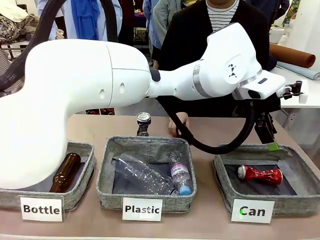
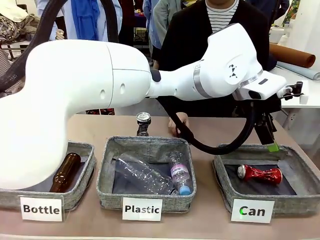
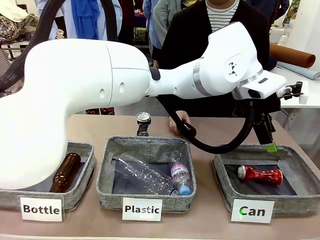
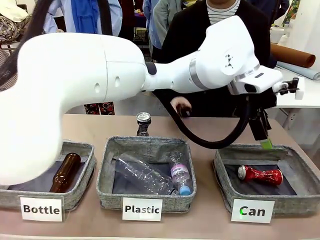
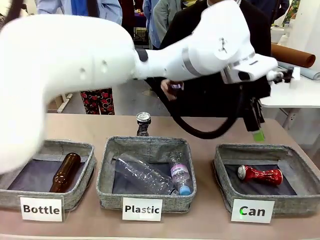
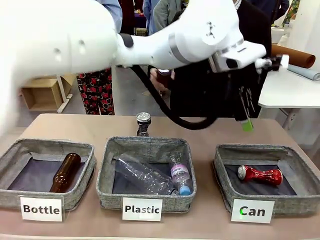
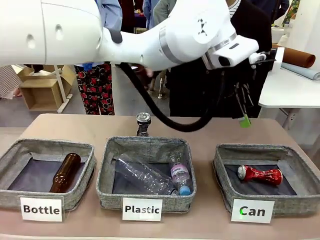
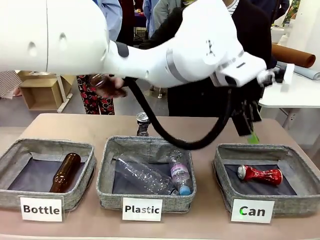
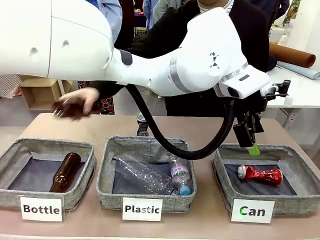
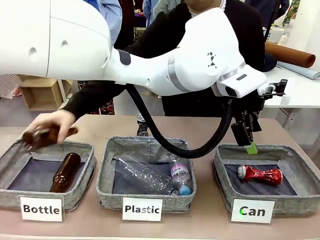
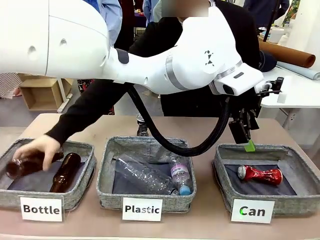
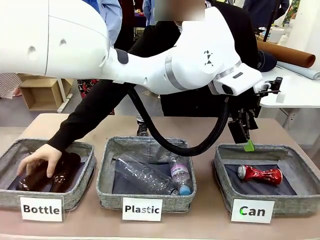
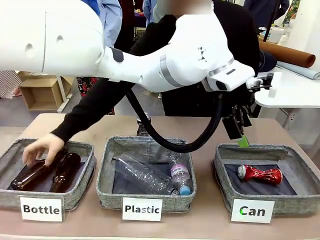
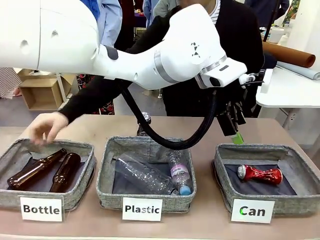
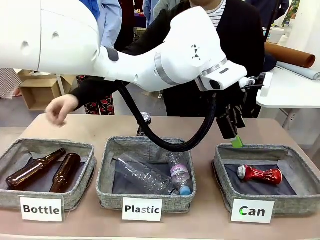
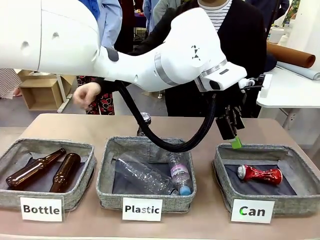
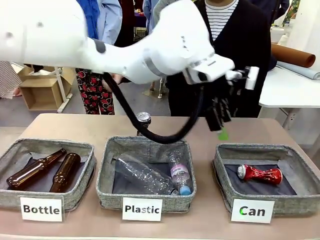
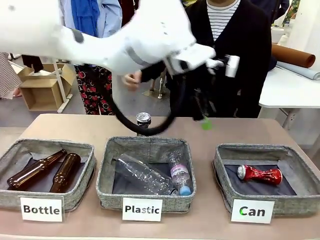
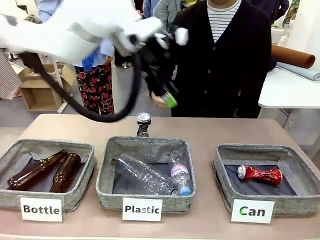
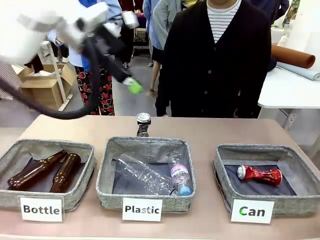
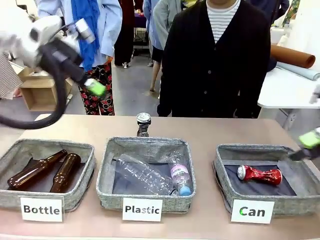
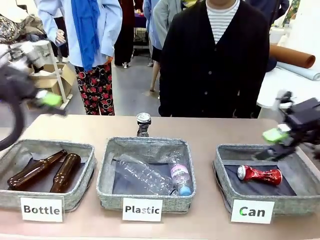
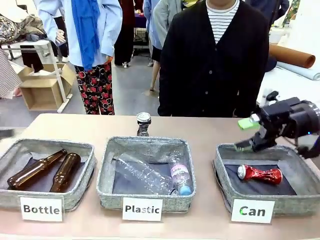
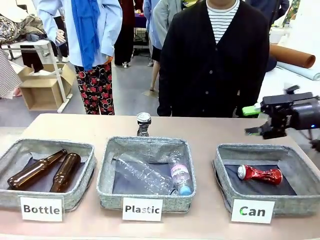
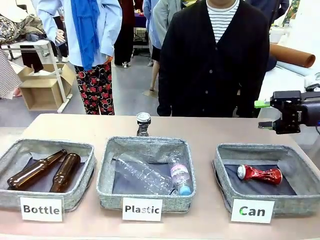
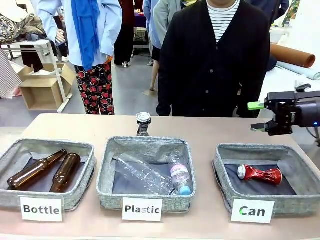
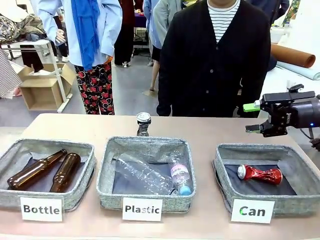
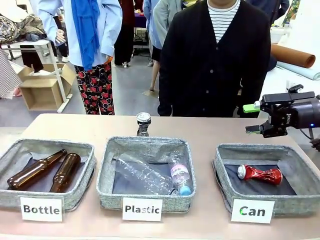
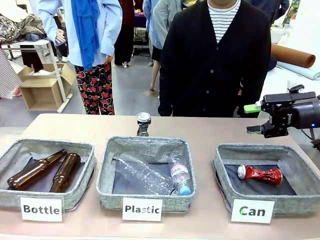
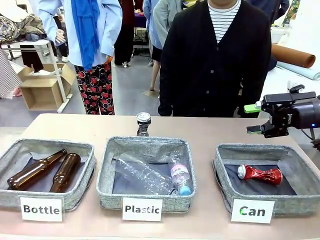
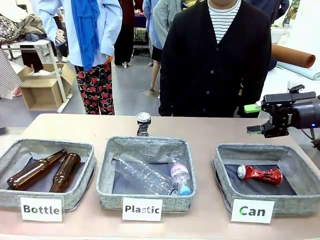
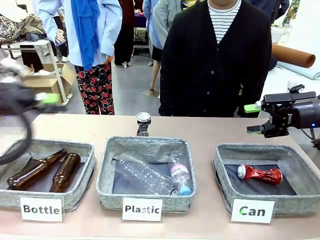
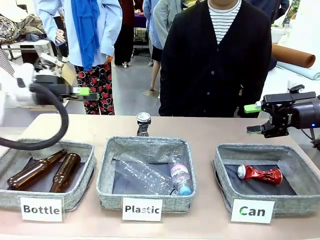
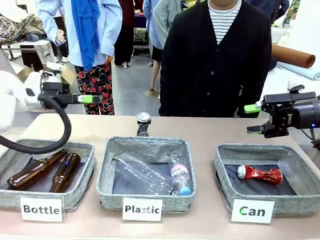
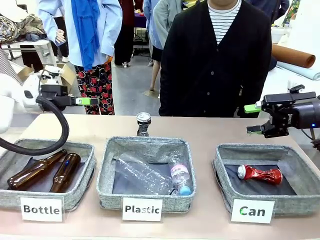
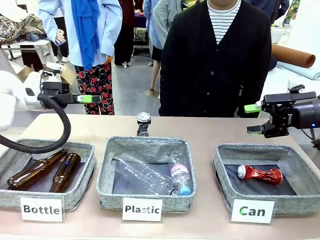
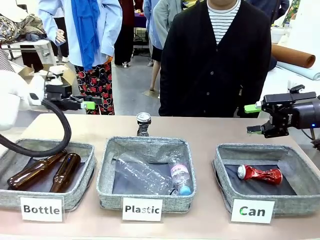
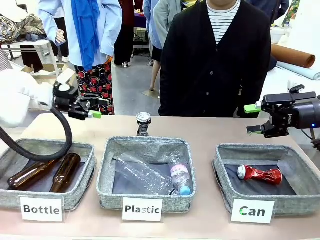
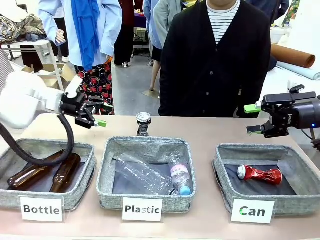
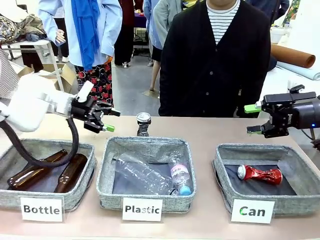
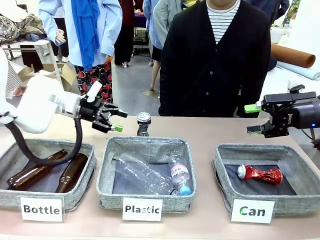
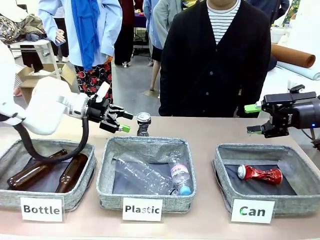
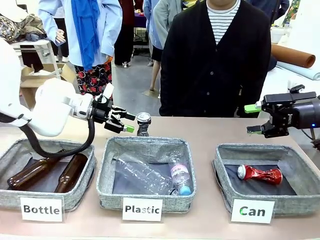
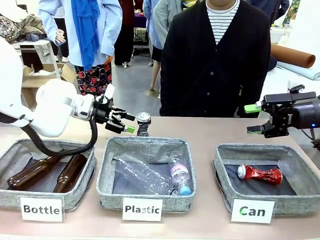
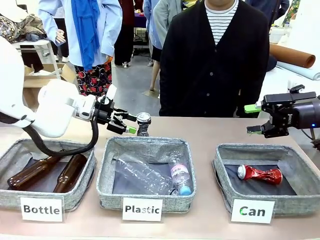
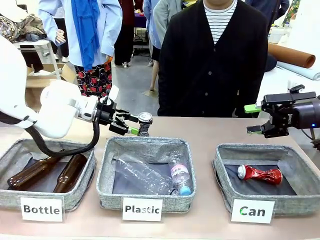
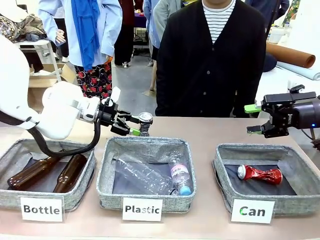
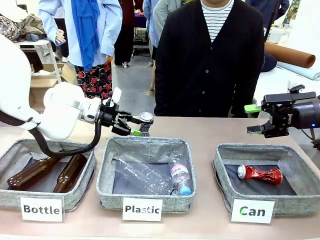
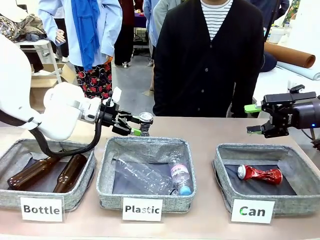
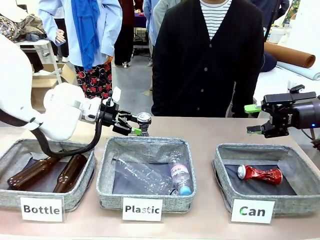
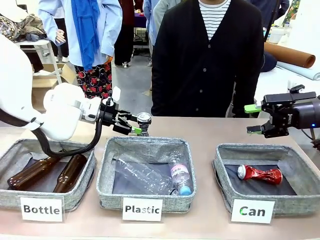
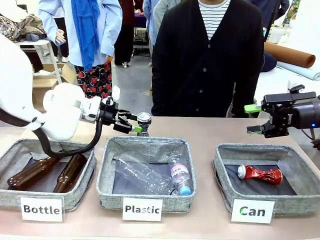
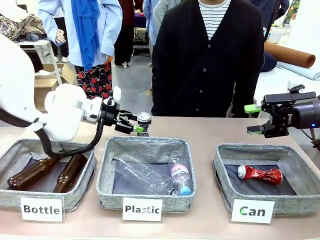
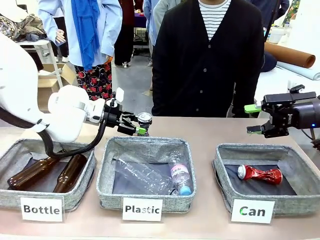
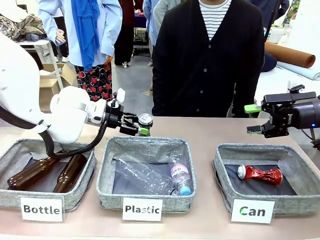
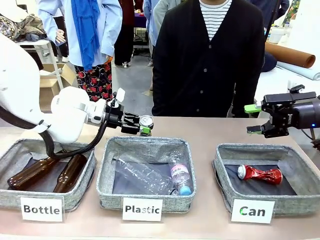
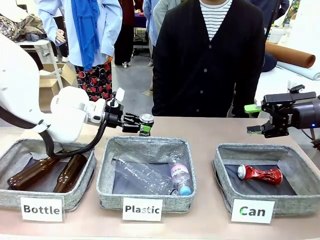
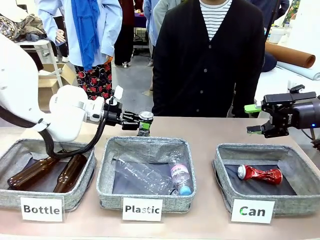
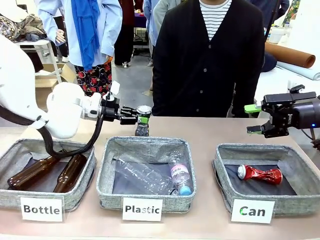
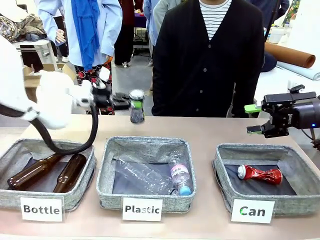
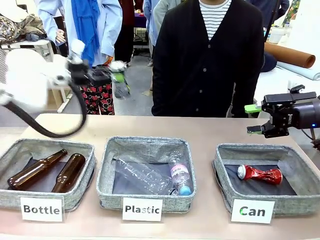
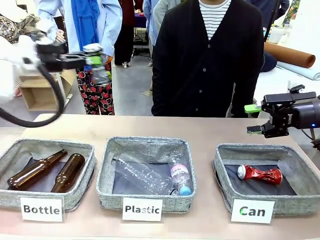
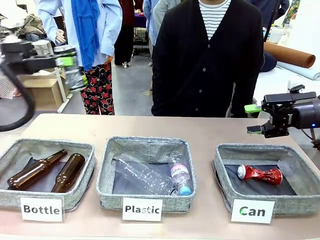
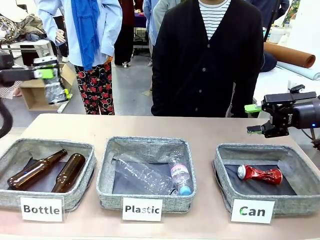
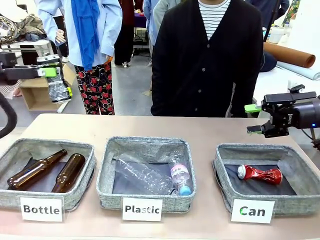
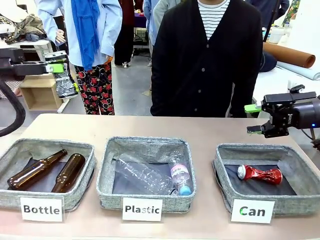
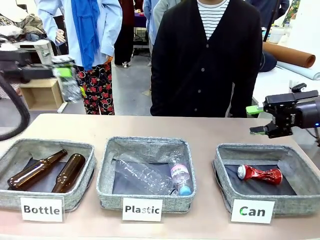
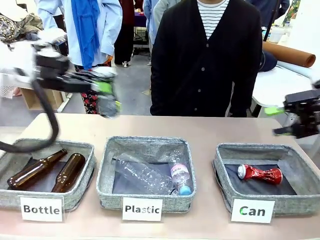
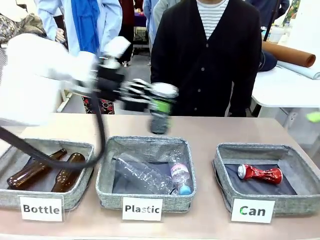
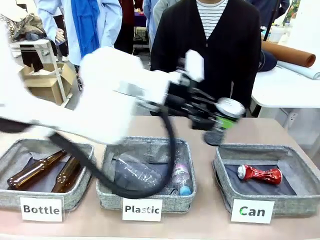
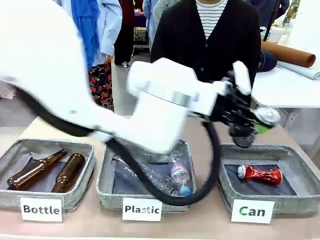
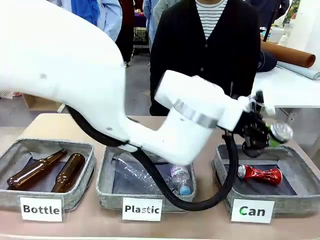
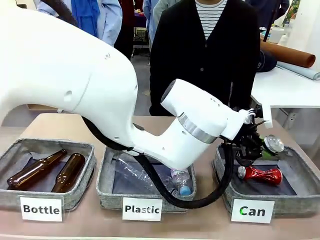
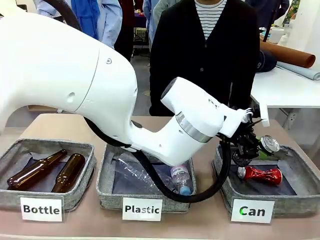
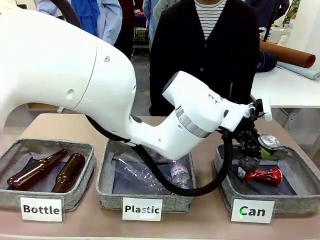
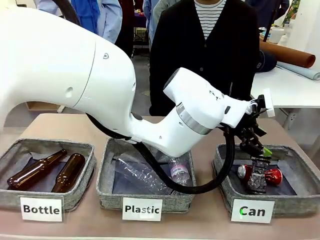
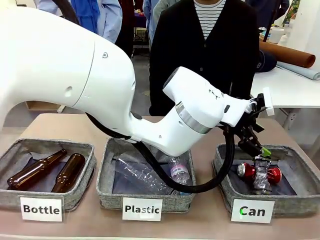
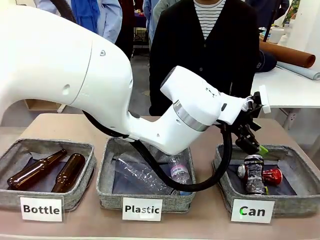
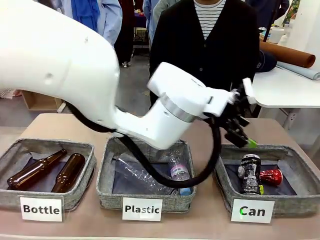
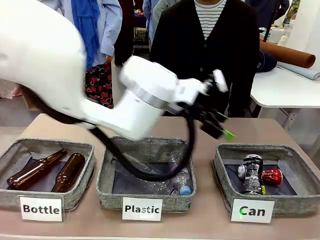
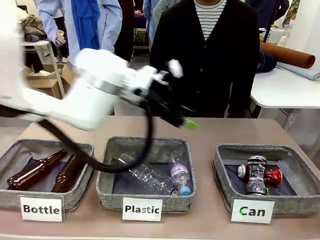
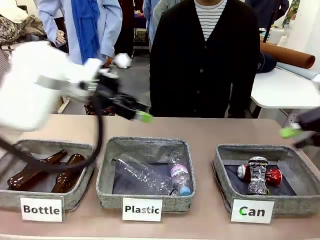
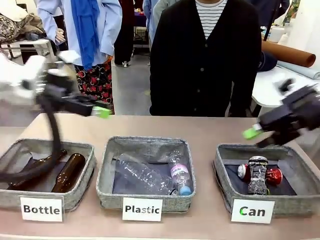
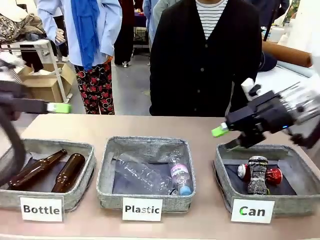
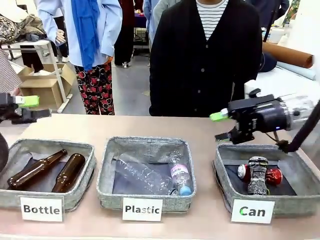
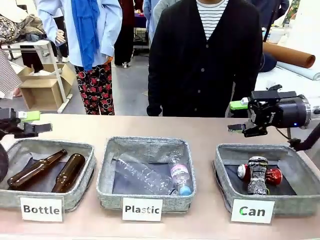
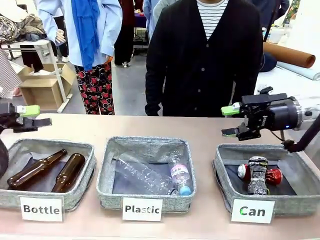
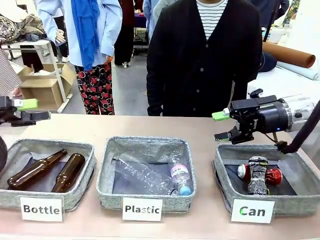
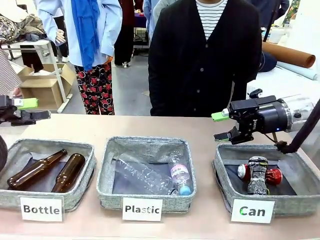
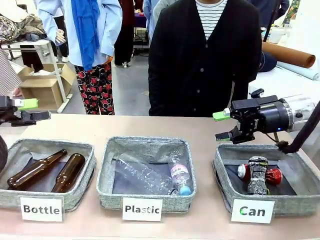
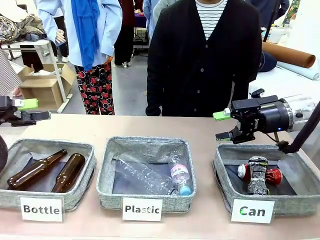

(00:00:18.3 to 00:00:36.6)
Task: Sort the can waste into the basket.
Robot: Pick up the can waste from the table and place it in the right Fabric basket.
